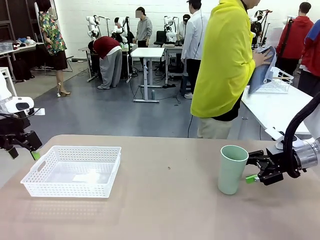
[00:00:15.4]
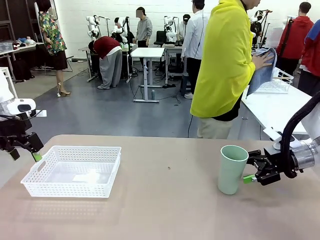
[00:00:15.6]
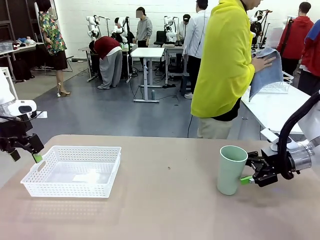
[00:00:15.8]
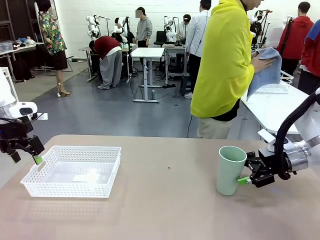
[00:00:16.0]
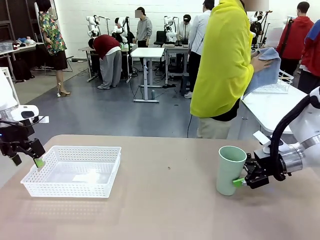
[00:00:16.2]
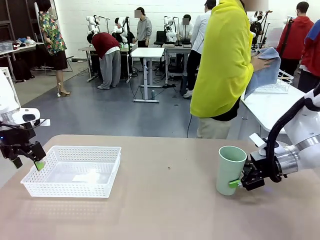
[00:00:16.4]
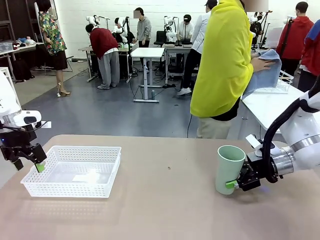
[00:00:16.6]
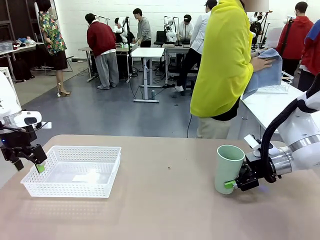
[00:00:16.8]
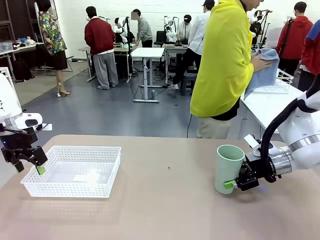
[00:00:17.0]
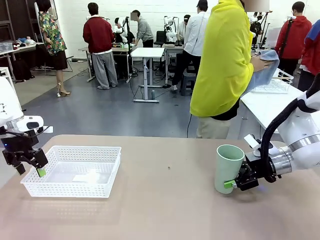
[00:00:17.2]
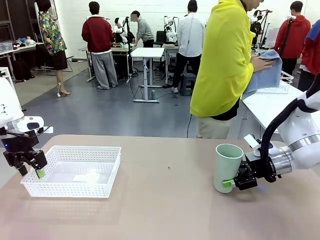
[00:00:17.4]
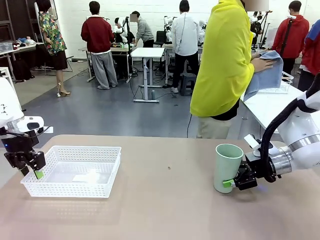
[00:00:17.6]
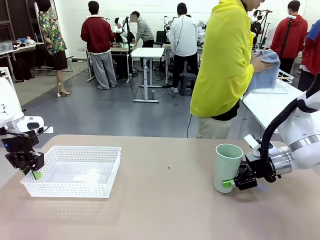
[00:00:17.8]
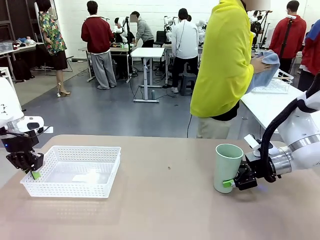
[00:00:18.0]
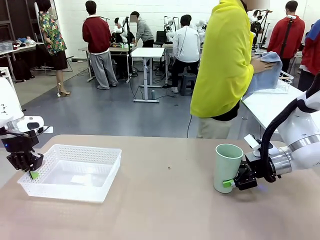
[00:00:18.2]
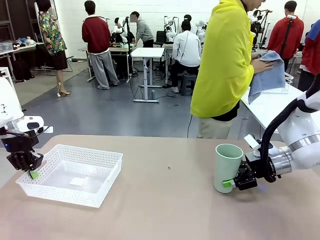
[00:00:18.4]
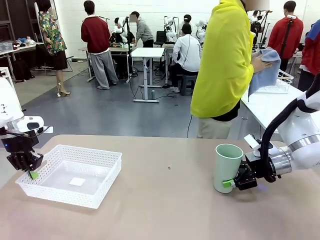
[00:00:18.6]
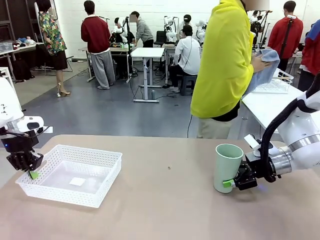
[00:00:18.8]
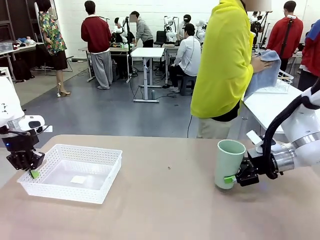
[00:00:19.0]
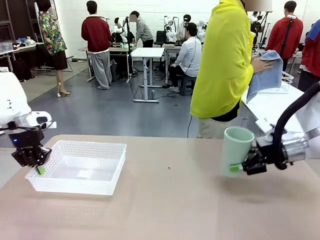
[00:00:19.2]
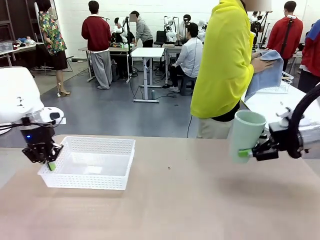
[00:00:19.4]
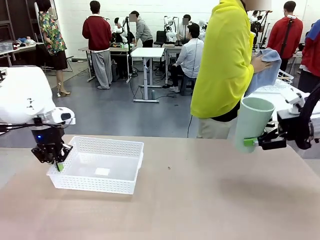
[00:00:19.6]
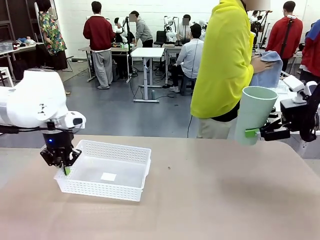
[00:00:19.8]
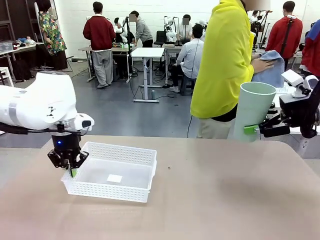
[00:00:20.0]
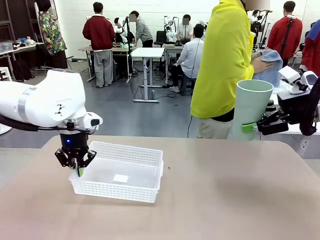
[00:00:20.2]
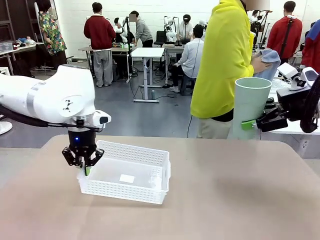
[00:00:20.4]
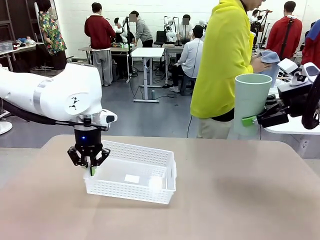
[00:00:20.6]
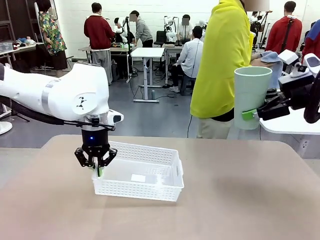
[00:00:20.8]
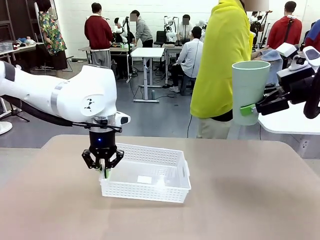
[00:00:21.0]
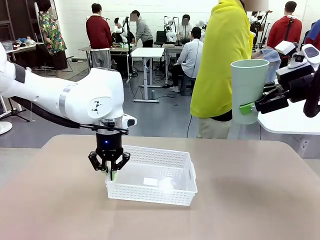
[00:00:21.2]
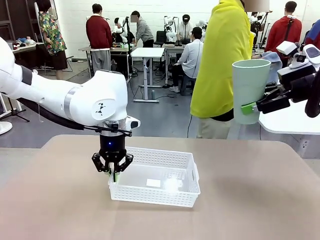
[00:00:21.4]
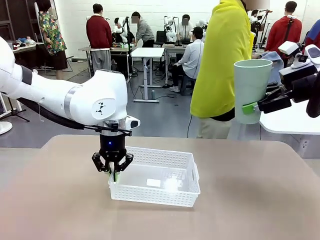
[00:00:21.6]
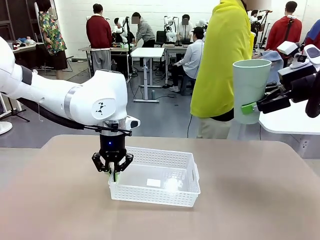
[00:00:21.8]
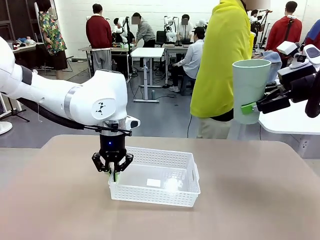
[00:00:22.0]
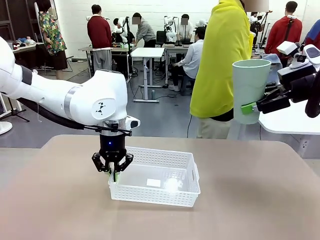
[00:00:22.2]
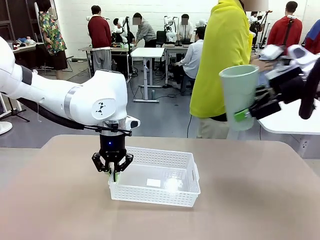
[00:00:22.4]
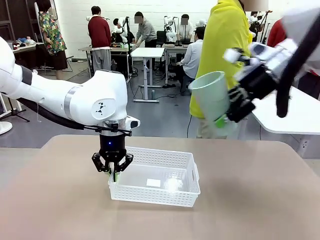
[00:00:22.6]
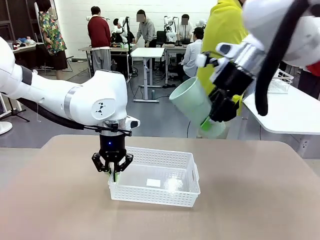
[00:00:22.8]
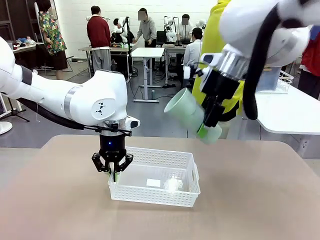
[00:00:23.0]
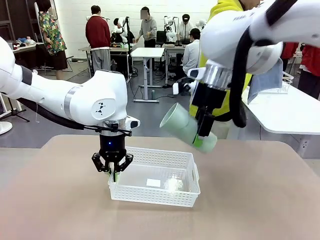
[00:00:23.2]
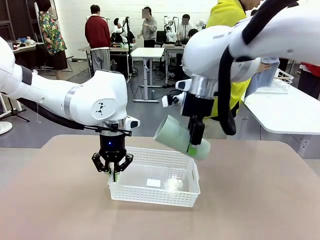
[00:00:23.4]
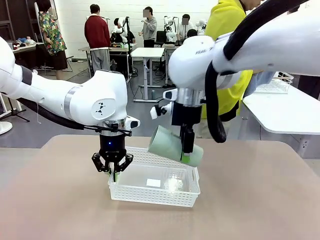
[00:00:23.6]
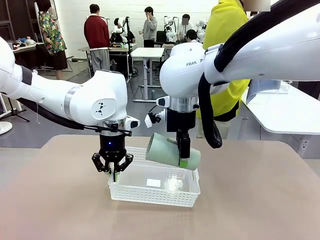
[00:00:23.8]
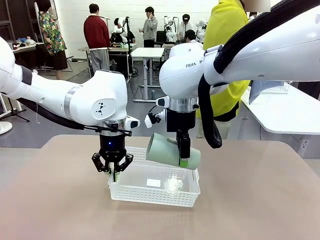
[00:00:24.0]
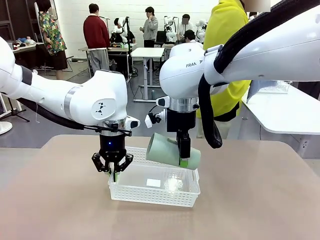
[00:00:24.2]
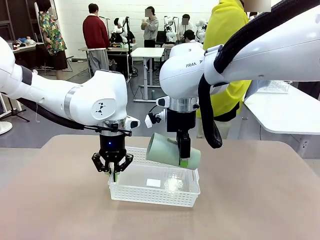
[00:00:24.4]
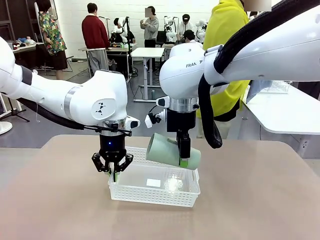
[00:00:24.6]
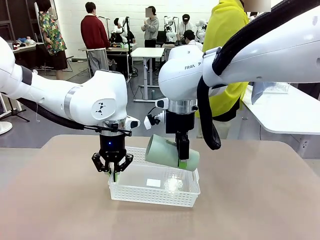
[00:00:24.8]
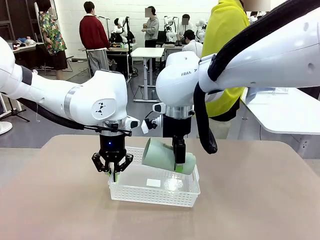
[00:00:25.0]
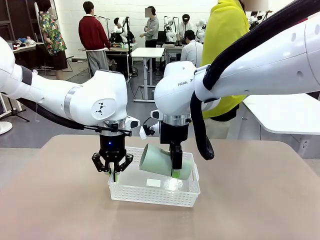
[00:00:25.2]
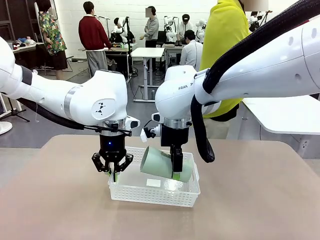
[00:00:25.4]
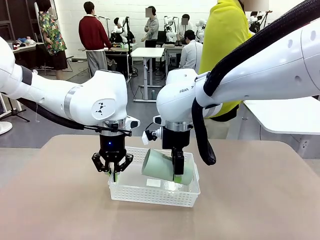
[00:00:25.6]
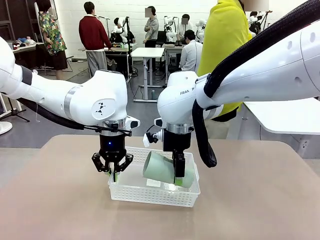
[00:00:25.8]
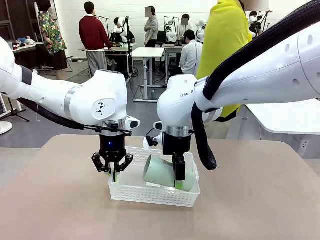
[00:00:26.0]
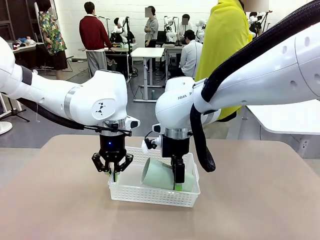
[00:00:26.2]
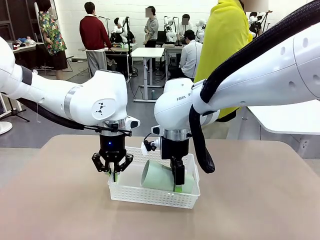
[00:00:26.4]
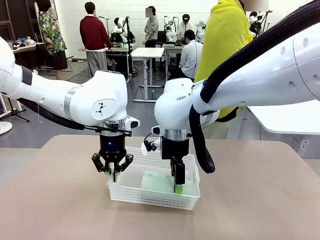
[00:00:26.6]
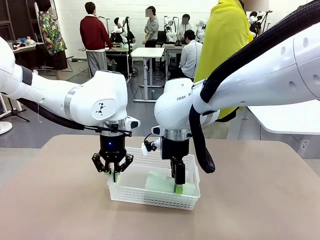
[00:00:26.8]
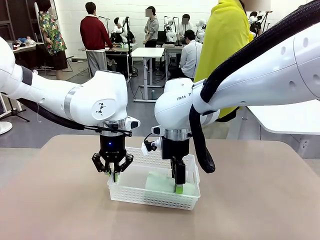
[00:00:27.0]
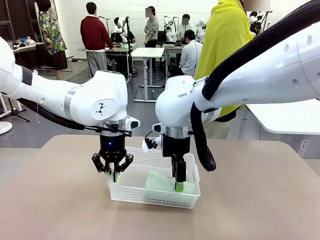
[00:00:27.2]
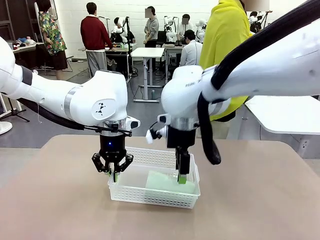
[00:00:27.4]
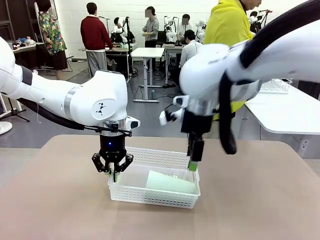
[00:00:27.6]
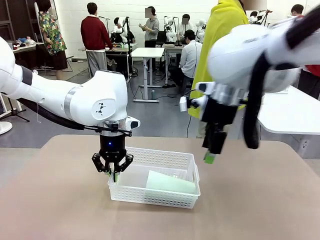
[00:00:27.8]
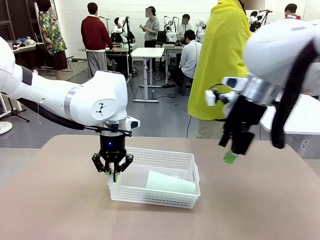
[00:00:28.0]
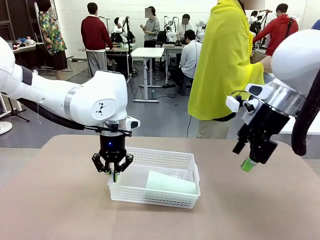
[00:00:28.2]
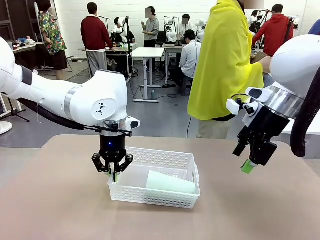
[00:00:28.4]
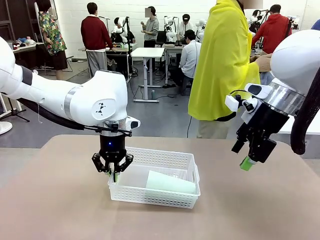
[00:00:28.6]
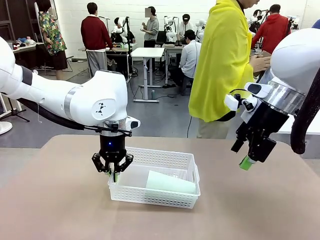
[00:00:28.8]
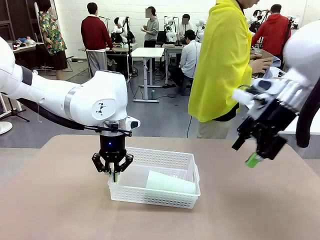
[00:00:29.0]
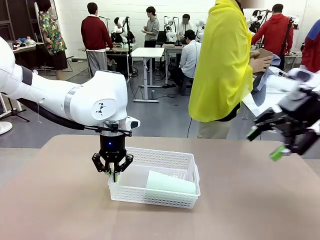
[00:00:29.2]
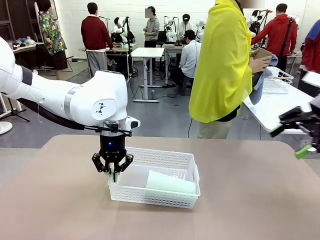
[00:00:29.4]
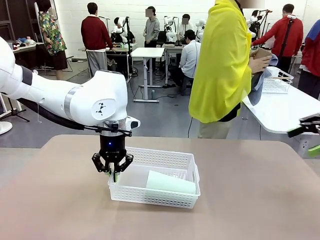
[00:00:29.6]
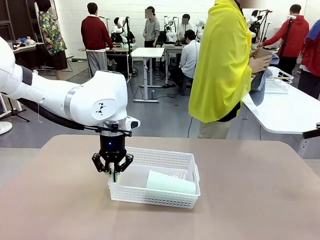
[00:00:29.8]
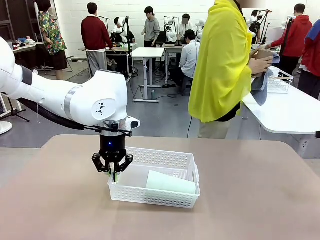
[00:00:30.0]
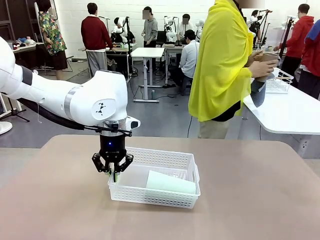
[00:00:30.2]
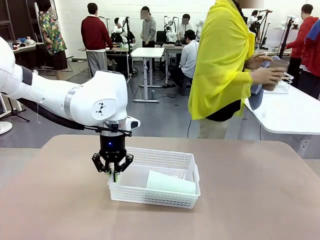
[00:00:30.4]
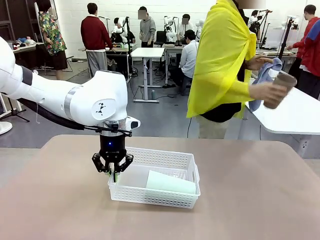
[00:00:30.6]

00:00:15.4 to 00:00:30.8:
Task: Clean and organize the cups into the basket.
Robot: Pick up the Organizing basket and move it to the center of the table, then pick up the Reusable plastic cup from the right side of the table and place it inside the Organizing basket.
